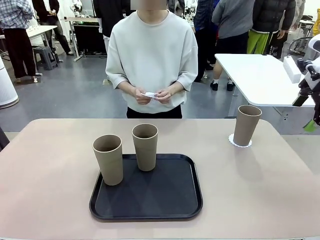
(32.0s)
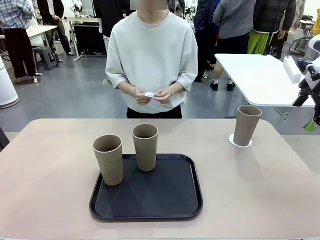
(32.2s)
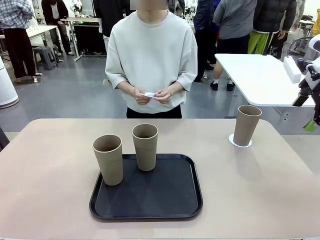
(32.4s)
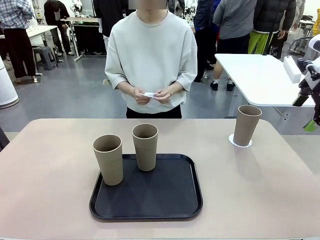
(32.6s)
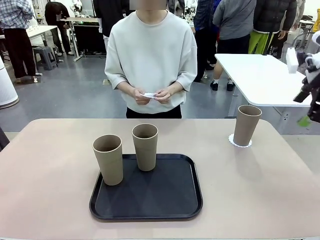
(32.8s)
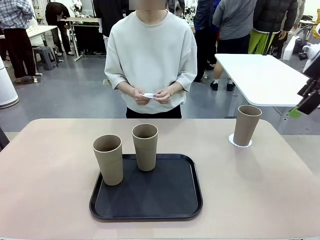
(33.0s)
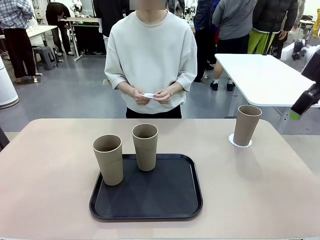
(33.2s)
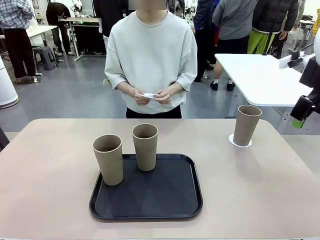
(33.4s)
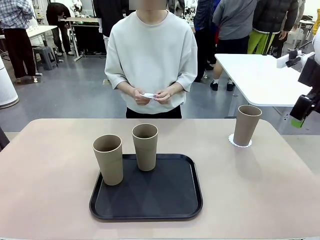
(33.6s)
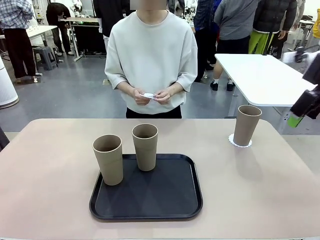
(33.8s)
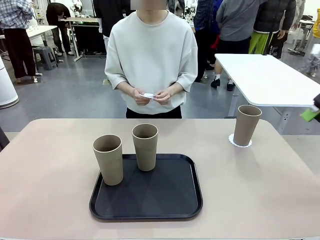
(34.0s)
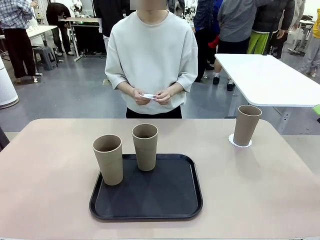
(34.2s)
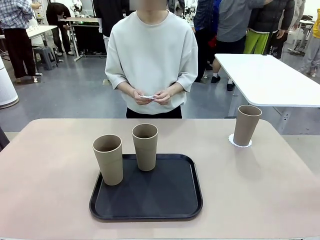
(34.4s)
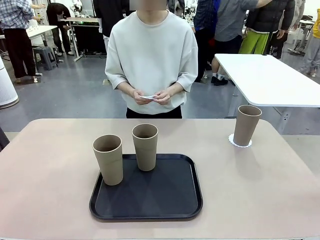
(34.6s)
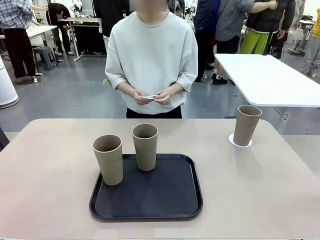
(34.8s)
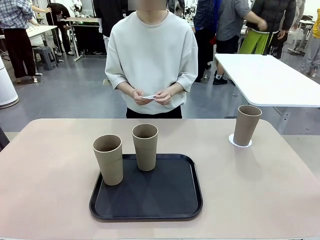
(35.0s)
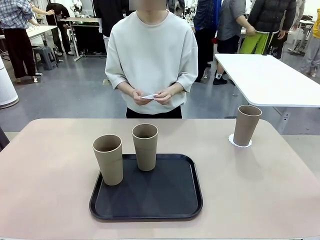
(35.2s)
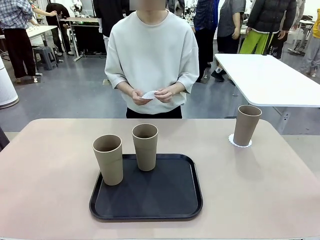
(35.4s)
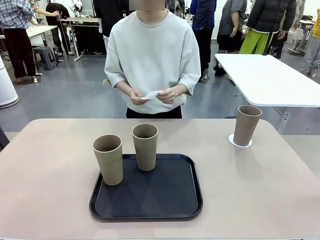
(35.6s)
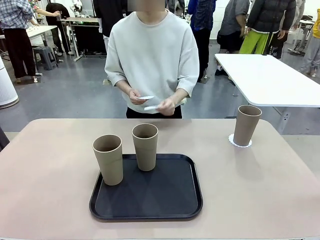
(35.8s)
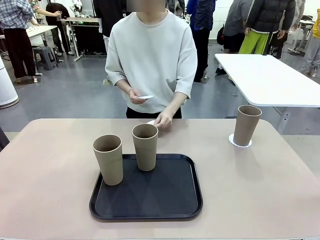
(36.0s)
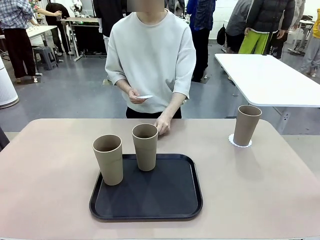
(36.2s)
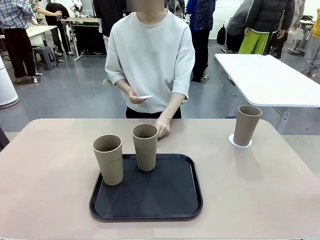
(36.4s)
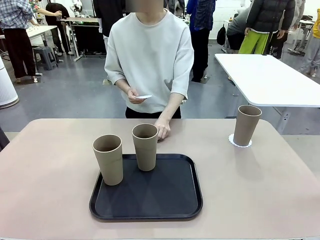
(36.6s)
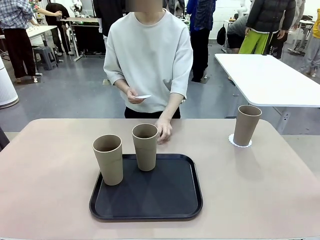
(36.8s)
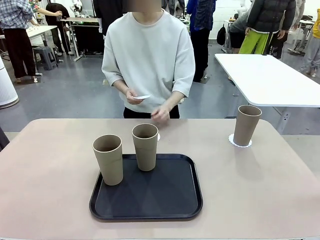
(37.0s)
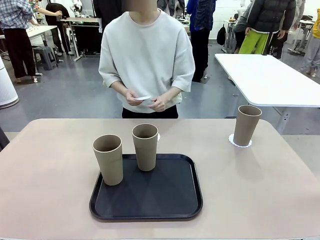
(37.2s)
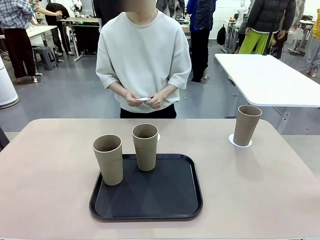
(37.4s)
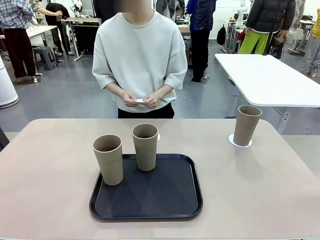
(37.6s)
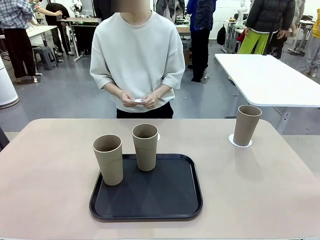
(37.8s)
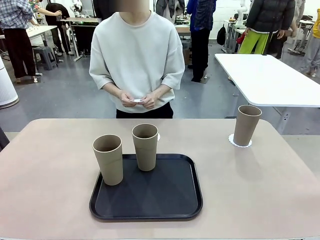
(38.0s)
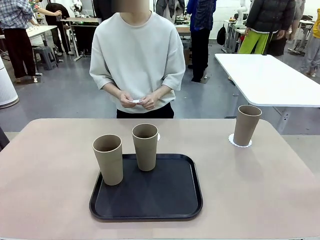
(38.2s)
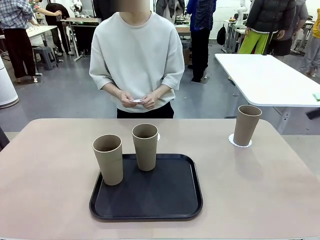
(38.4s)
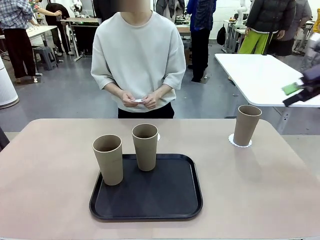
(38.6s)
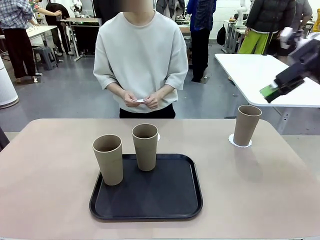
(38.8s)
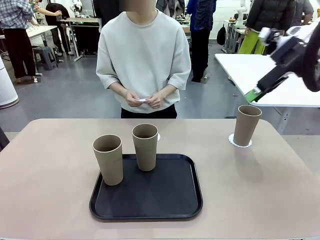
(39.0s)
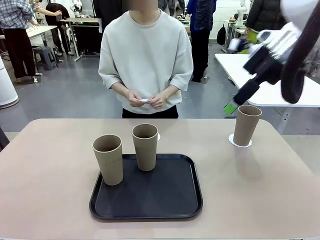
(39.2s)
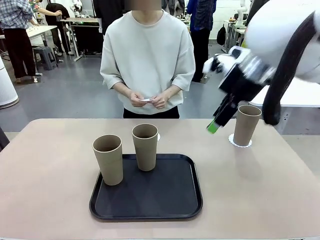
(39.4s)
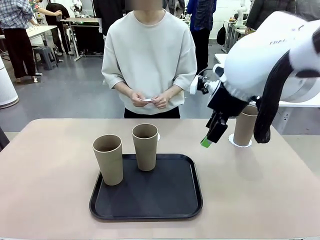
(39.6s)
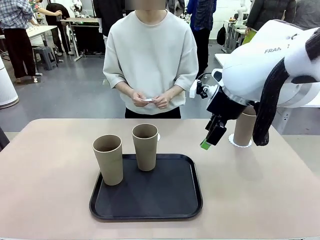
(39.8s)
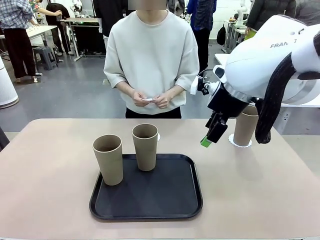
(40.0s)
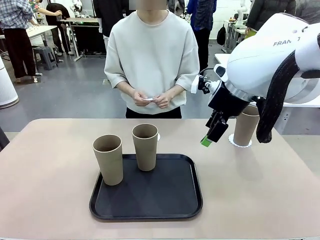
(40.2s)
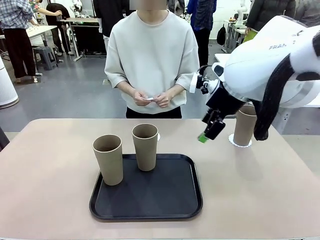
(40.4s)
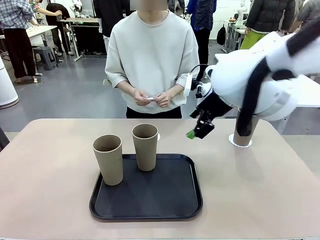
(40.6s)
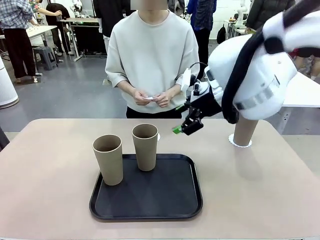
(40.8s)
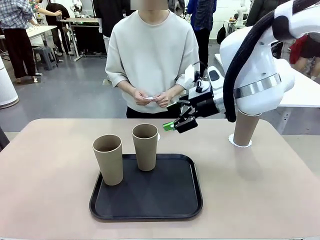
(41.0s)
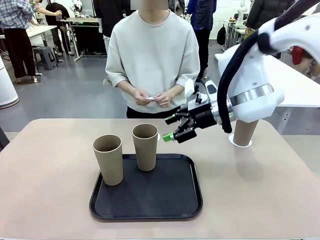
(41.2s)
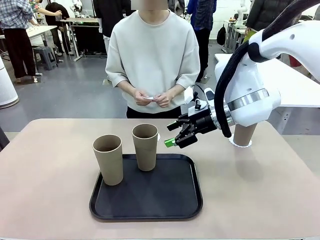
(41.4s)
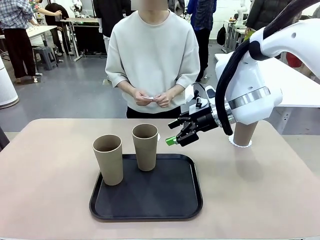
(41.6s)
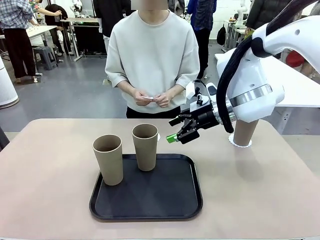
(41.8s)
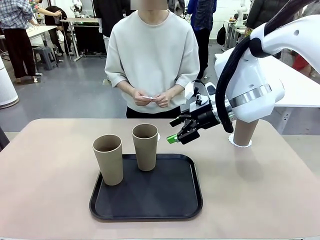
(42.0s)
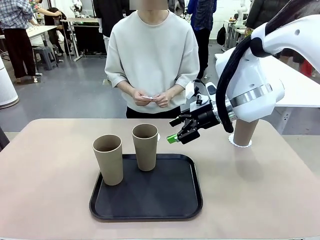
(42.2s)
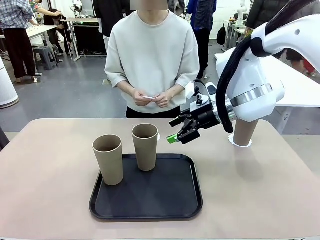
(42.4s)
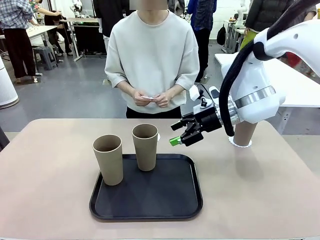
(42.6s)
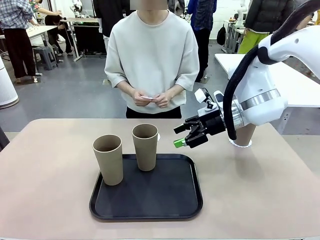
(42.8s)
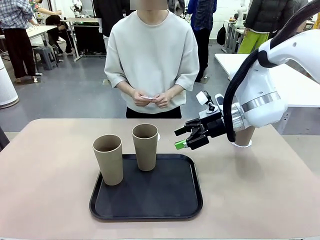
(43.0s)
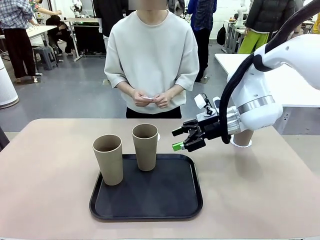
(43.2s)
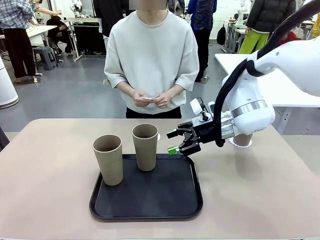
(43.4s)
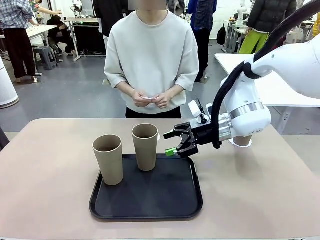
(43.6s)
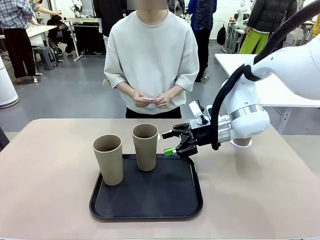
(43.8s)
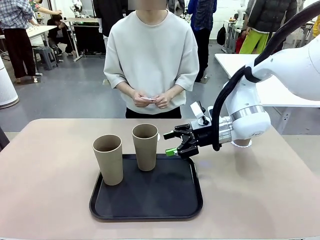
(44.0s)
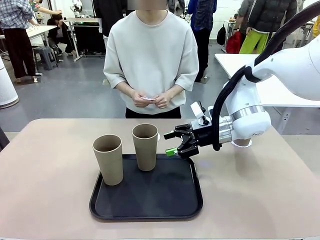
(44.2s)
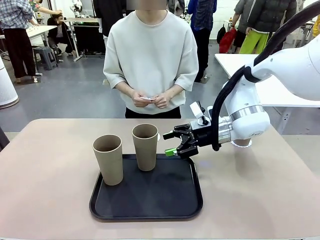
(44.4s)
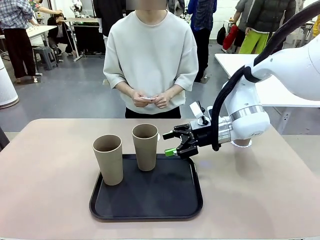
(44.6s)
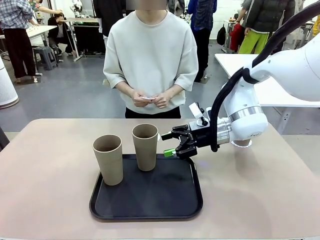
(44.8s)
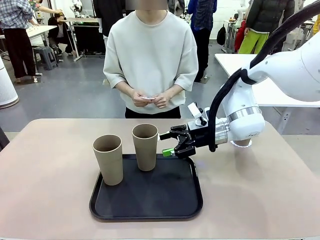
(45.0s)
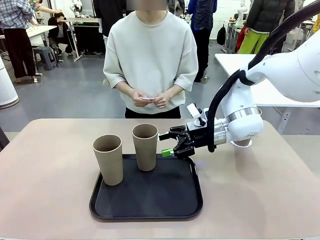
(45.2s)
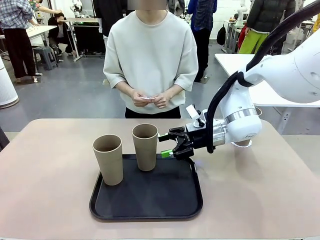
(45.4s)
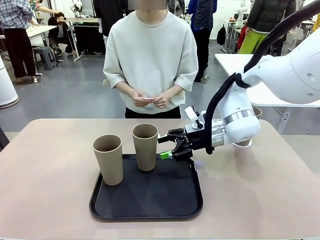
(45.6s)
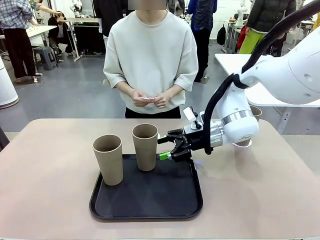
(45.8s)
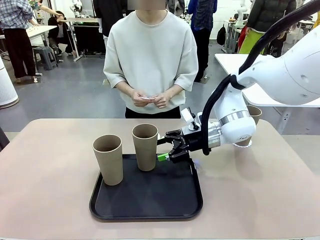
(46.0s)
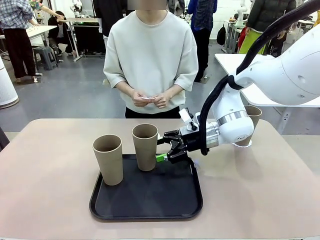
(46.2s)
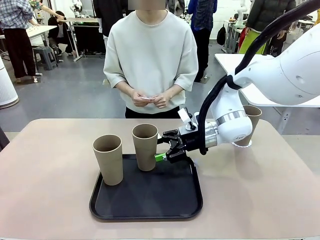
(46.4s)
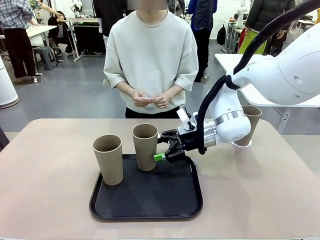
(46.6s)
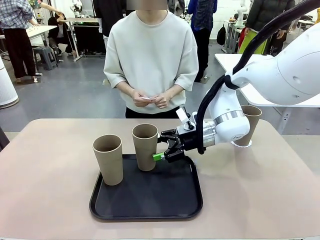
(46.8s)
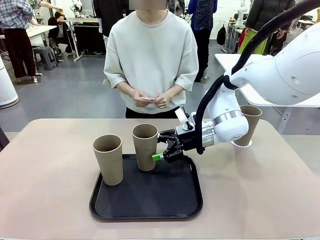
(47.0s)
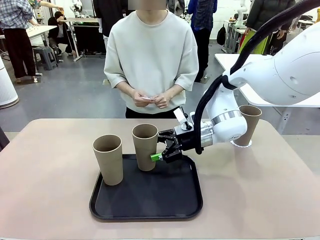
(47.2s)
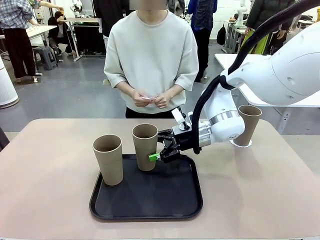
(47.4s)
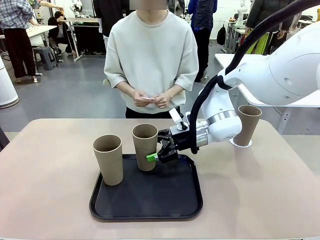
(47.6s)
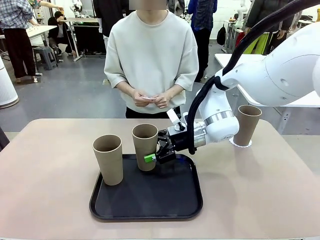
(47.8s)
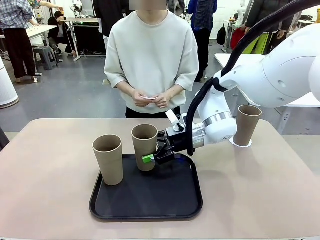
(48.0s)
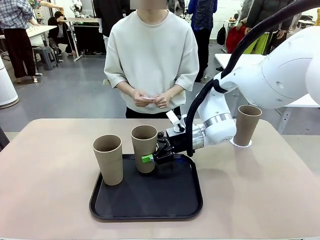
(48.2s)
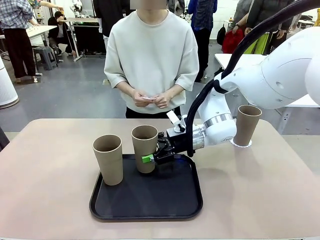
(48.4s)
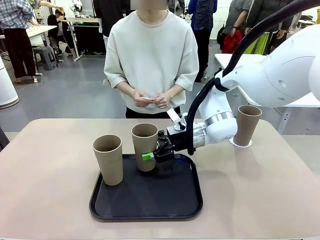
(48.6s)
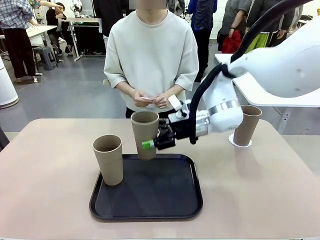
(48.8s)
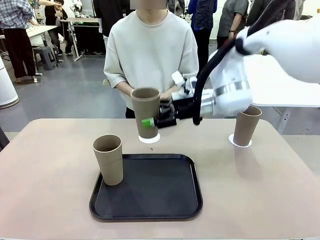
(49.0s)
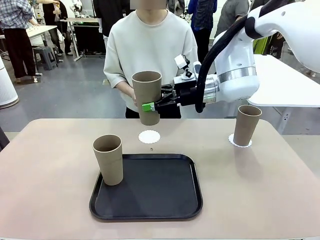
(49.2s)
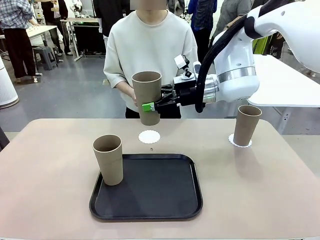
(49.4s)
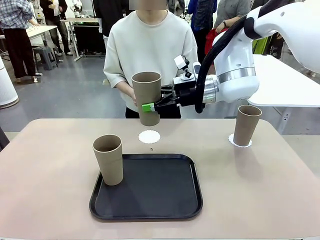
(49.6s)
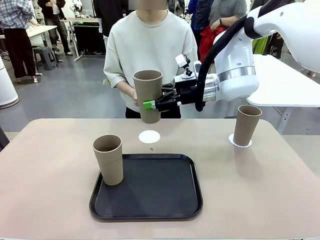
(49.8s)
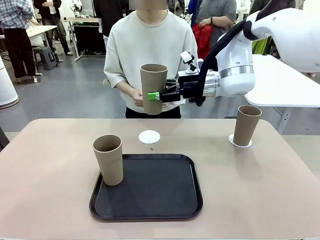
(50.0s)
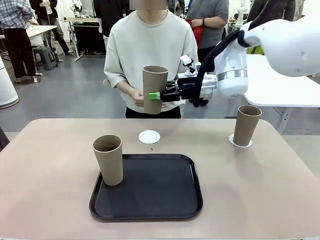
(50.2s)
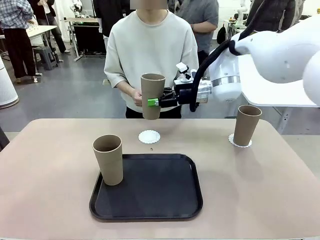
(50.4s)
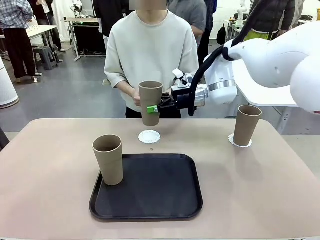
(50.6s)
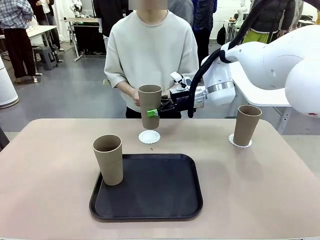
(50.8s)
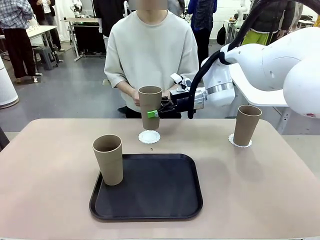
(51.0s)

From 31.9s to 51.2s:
Task: Place coasters on the table and set cups on them.
Robot: Take one Reusable plastic cup from the Flat Tray and place it on a coaster set by the human.
